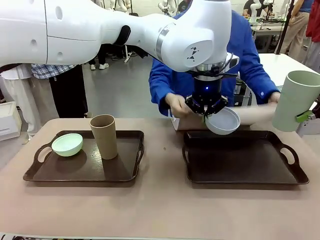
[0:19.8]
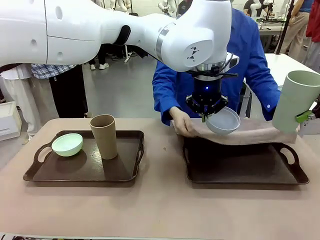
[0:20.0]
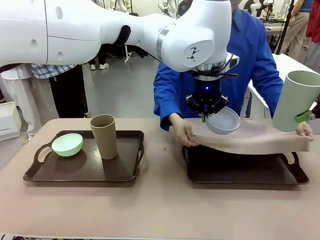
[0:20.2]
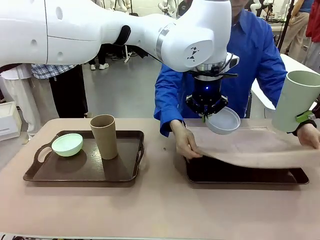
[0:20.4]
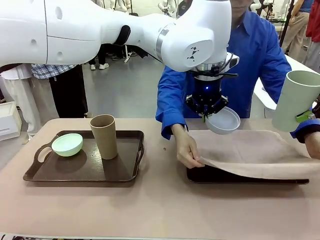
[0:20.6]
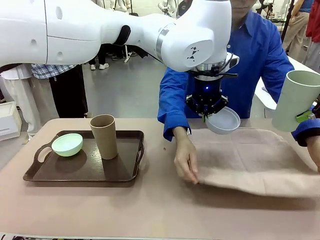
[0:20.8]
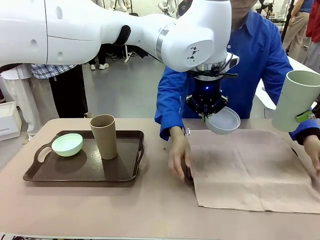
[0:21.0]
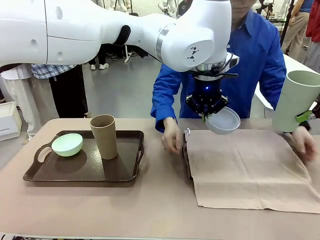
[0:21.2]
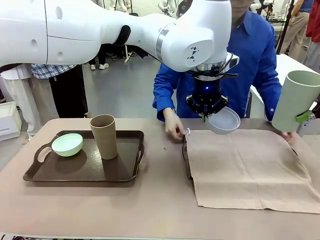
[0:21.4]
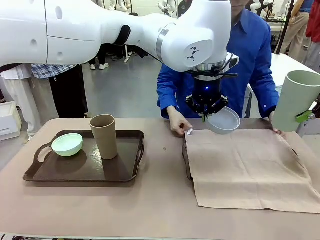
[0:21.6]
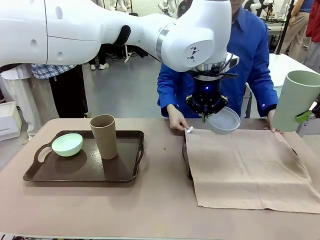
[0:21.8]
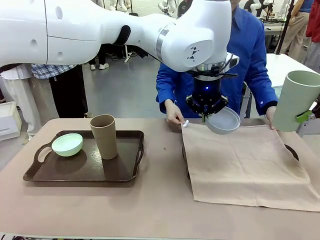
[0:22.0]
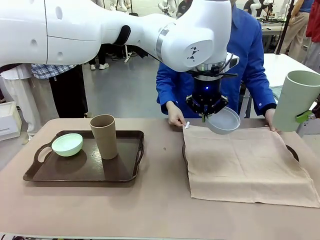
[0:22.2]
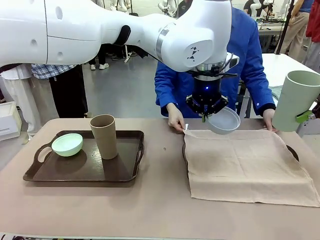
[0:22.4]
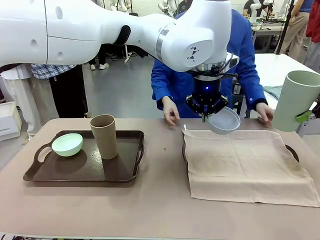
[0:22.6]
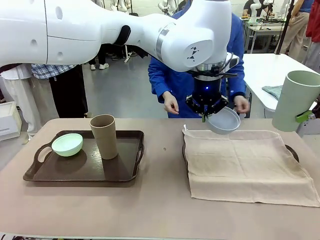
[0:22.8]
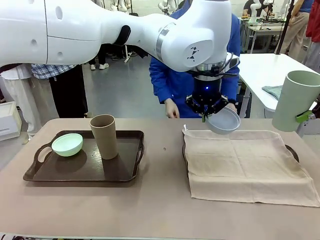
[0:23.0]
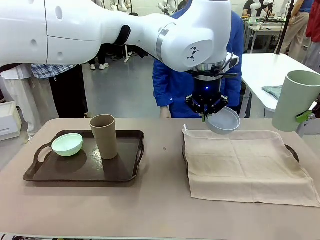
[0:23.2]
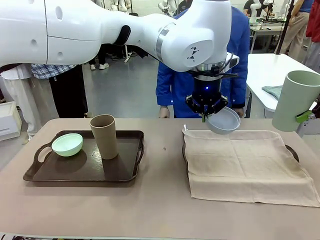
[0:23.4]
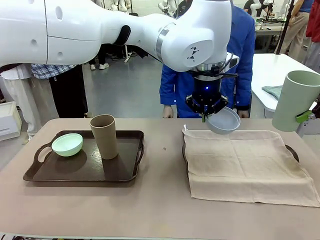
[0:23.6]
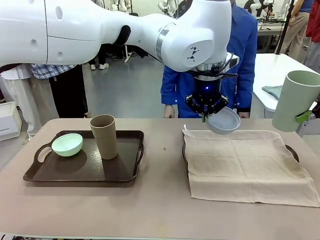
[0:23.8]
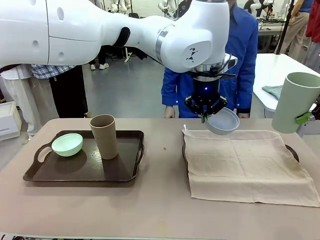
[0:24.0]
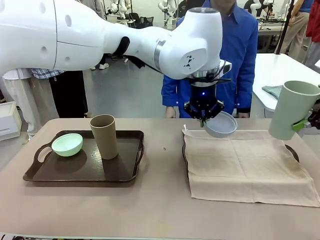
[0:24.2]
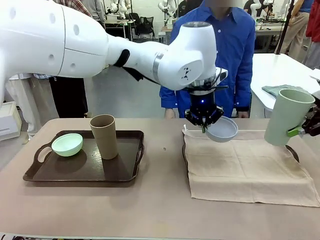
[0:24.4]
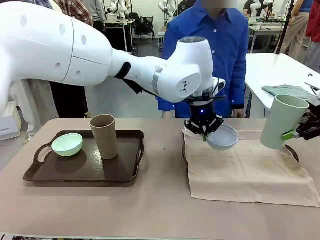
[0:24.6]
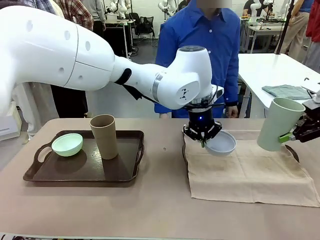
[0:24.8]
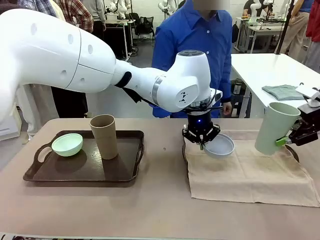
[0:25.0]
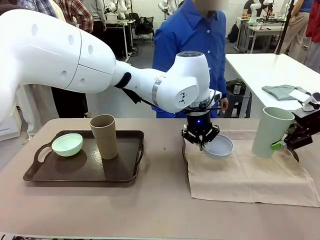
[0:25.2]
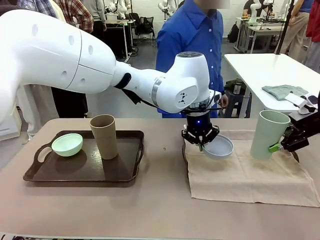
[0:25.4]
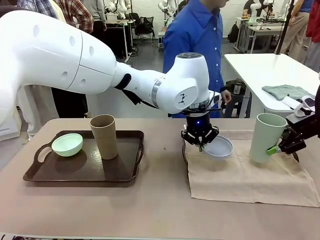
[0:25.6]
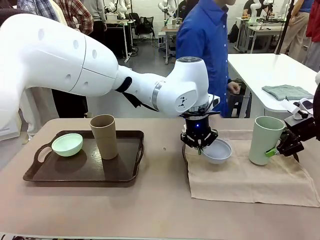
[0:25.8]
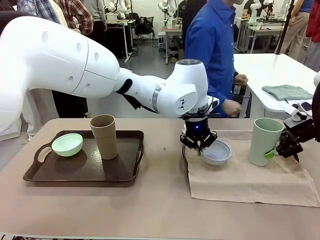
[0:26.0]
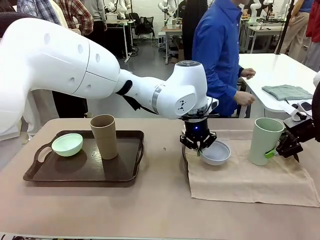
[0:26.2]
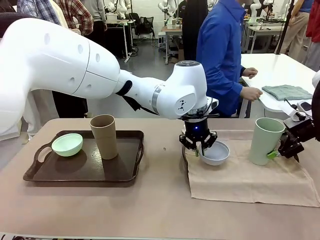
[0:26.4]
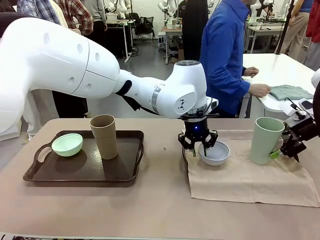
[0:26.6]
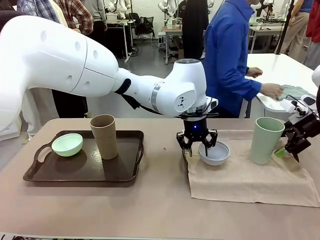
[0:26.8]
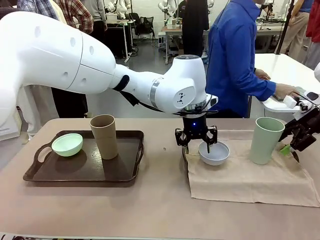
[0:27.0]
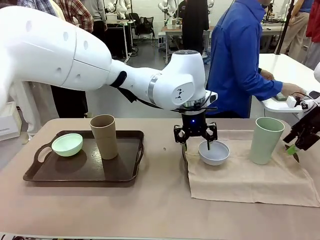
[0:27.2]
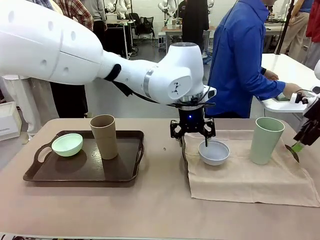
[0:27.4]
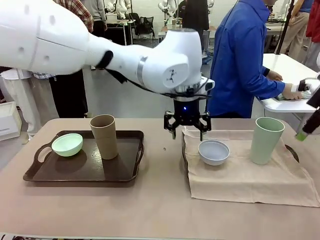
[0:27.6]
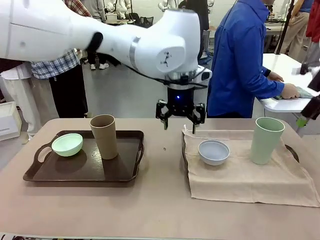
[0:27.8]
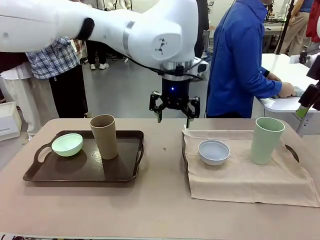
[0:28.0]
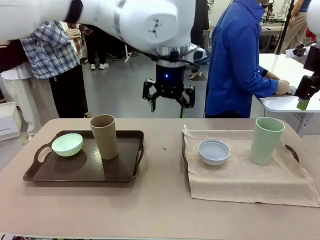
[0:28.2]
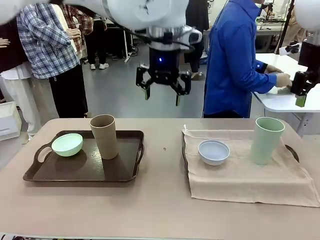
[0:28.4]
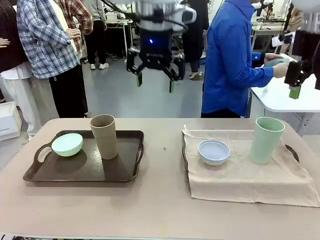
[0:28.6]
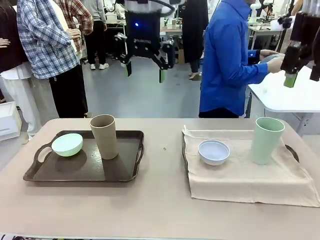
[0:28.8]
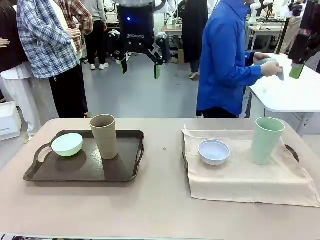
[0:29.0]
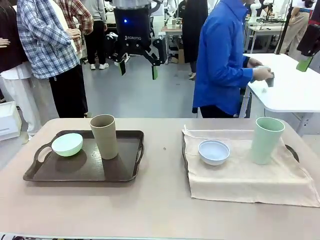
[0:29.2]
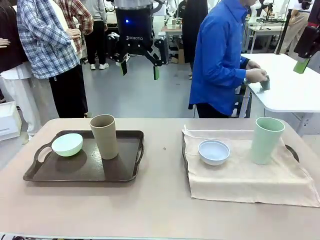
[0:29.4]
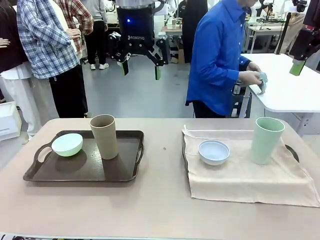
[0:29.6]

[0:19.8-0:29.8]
Robot: Place the Picnic Bowl and Reusable plastic cup back onto the Handle tray in front of the human's position.
Person: The human returns to the human table to pick up another napkin and walks to the robot table to stand in front of the tray without a napkin.

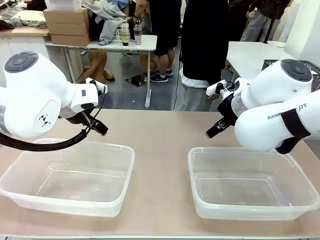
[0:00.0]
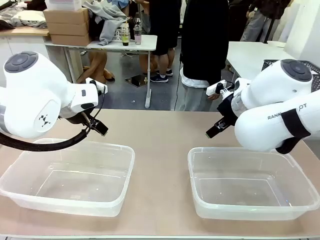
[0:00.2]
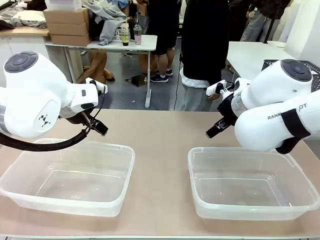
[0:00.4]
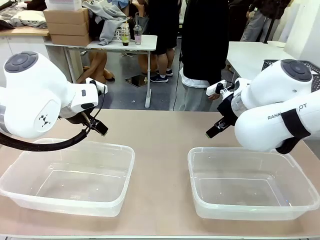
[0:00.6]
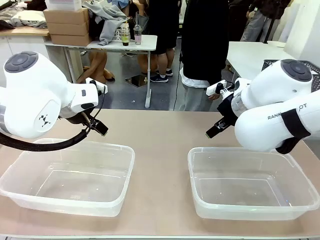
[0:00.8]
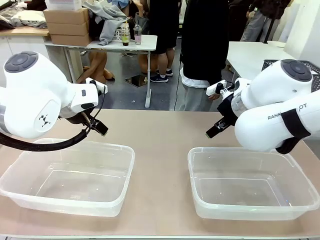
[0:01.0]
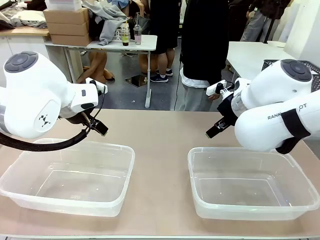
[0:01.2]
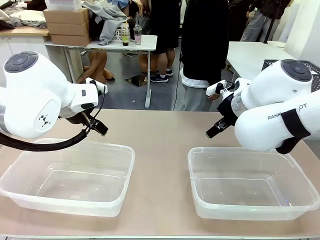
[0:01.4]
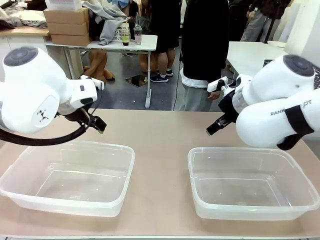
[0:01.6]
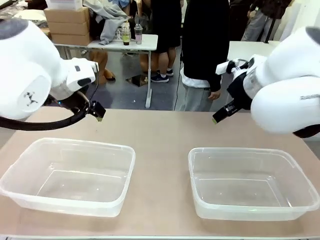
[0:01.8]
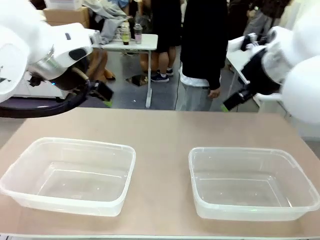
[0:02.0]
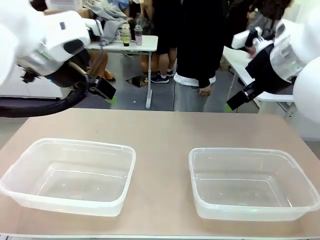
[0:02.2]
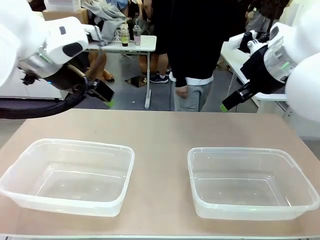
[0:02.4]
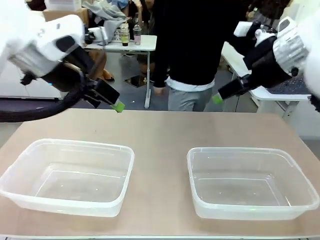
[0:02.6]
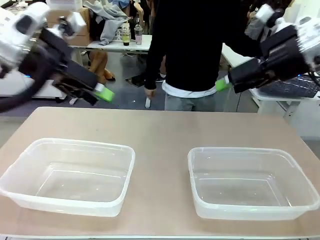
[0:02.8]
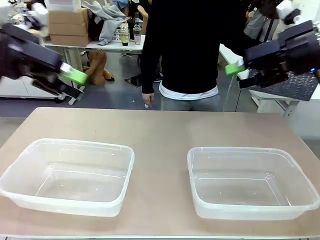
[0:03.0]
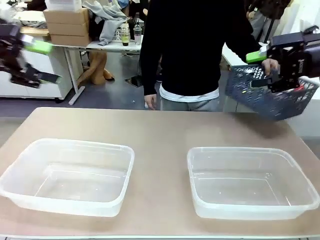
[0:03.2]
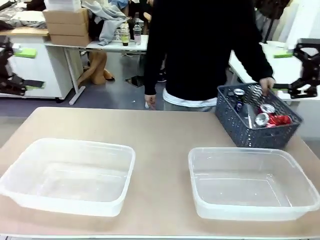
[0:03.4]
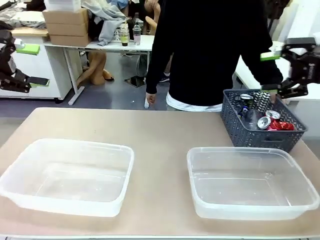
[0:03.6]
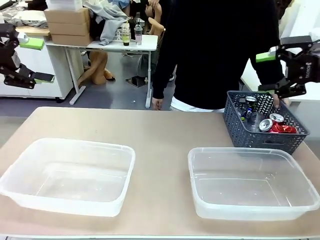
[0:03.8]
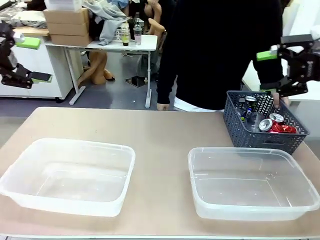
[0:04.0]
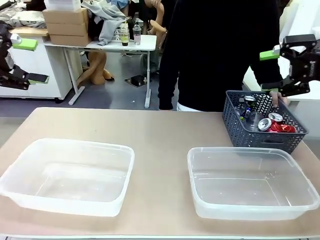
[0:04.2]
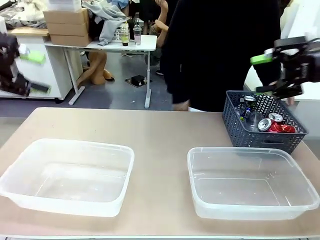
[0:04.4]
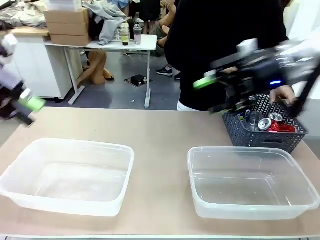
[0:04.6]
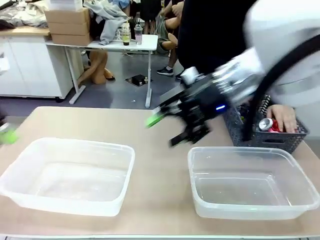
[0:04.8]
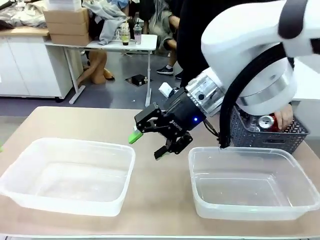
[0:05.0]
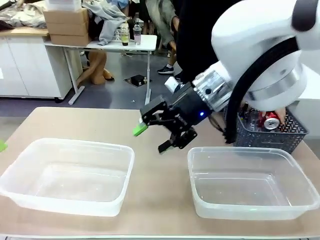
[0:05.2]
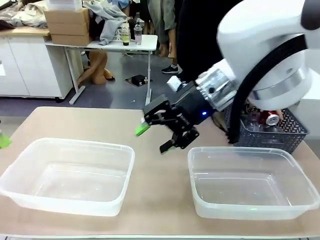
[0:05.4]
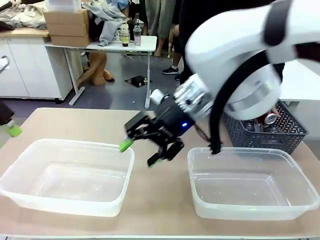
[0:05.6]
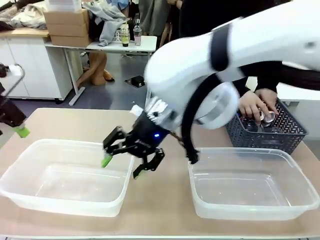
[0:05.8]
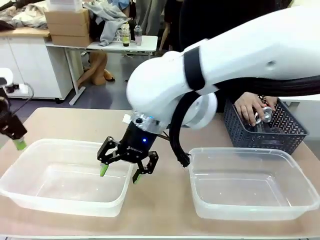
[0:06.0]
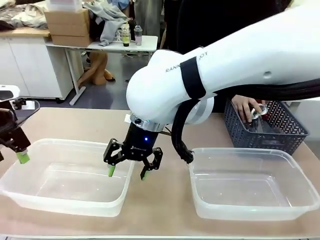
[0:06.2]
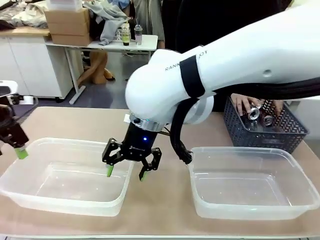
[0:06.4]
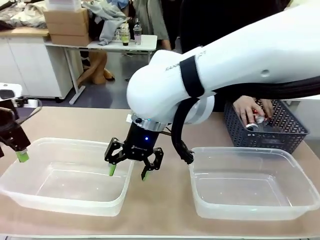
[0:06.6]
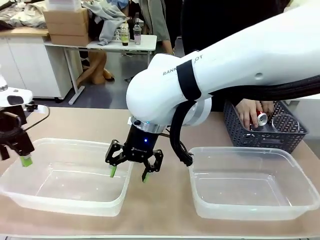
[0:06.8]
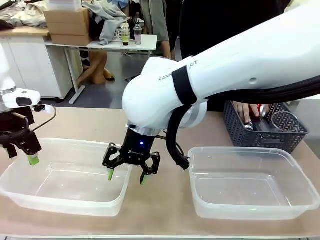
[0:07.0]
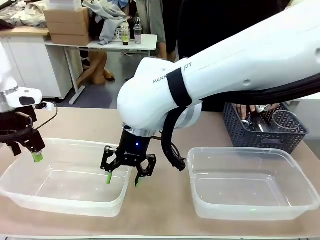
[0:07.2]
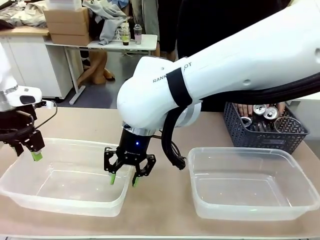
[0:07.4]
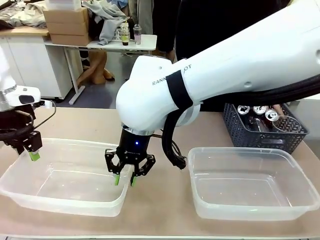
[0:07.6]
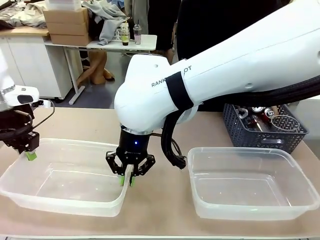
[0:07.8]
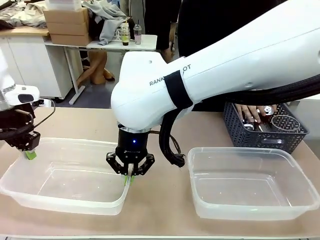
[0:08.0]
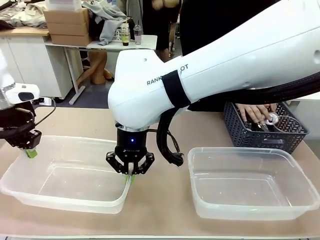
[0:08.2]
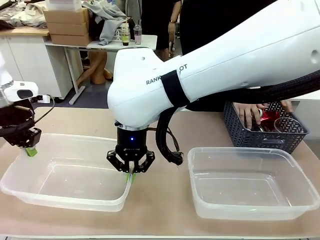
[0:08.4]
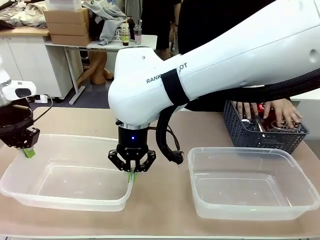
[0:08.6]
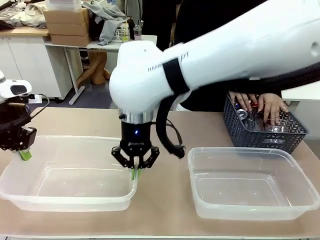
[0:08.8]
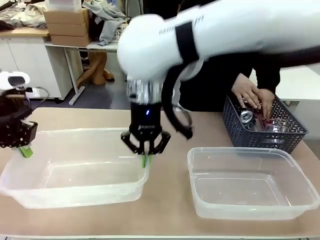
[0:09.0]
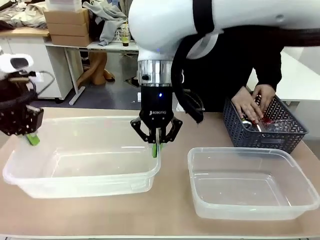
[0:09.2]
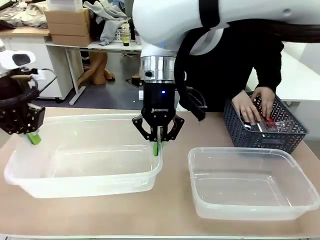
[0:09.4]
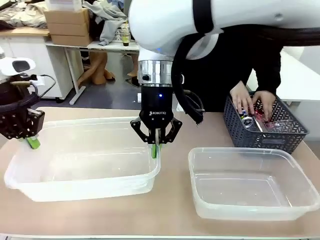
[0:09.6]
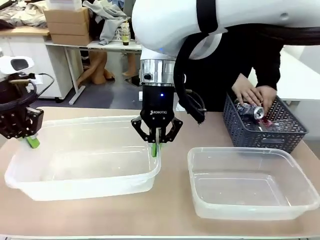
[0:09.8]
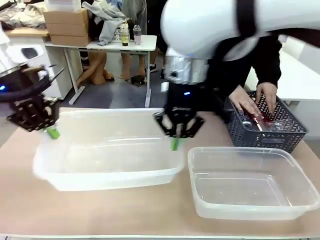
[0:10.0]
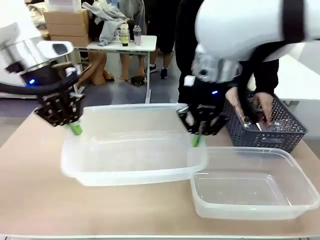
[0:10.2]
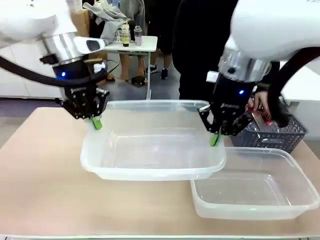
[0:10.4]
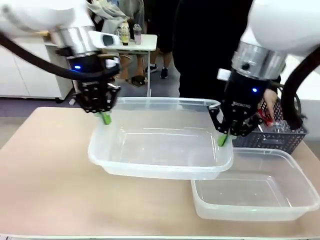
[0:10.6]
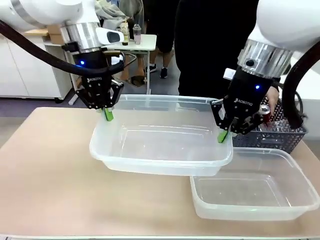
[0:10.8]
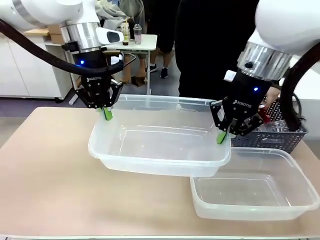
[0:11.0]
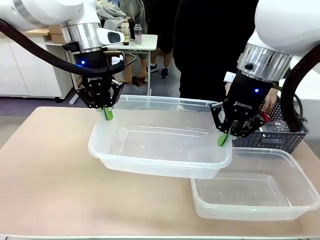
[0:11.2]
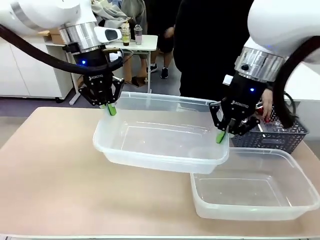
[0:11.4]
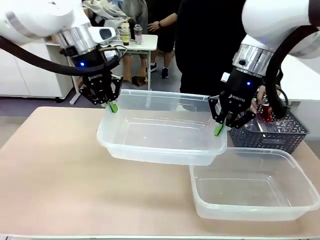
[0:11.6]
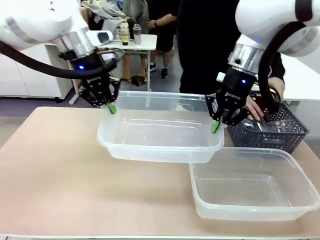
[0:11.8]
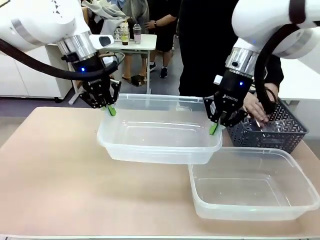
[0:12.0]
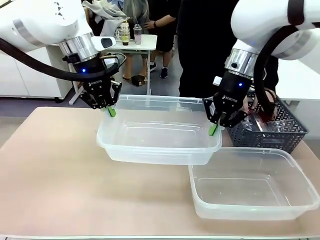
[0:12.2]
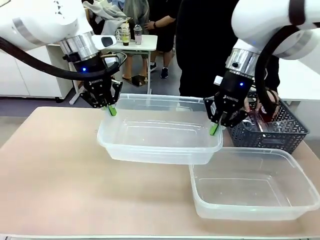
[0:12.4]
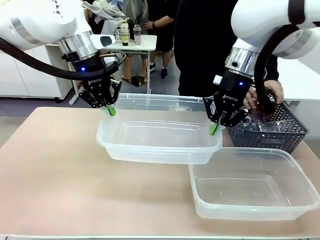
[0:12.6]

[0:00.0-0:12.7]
Robot: Pick up the Organizing box on the left side of the table and lift it.
Person: Pick up the storage basket and place it on the left side of the robot table. Pick up can-shaped waste one by one and place it into the organizing box lifted by the robot.
